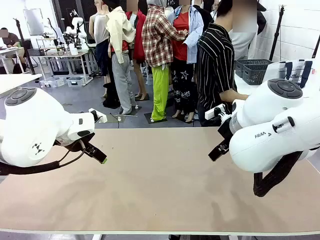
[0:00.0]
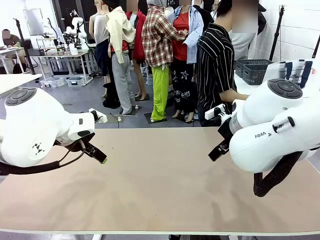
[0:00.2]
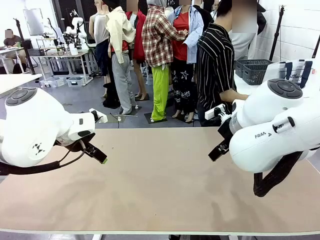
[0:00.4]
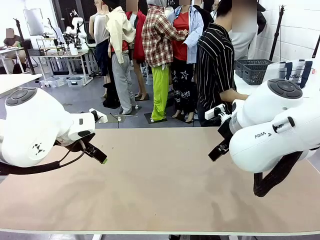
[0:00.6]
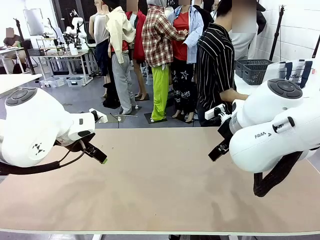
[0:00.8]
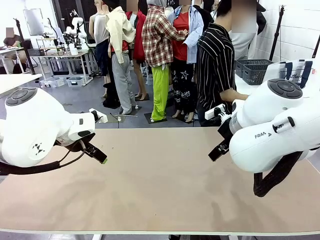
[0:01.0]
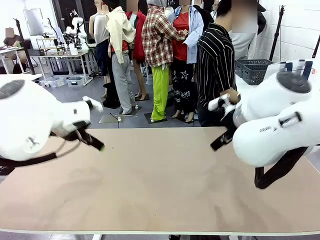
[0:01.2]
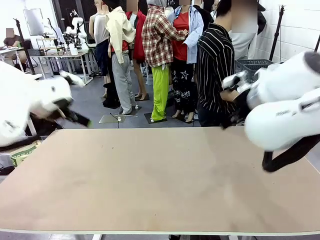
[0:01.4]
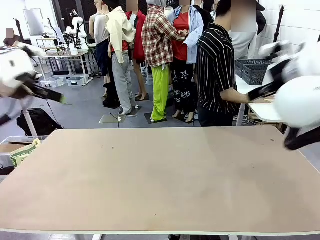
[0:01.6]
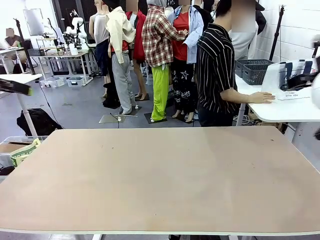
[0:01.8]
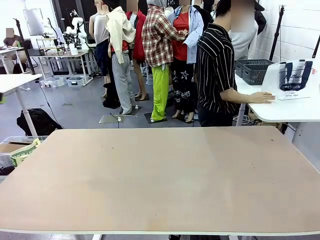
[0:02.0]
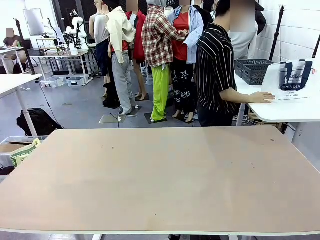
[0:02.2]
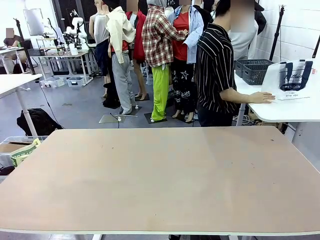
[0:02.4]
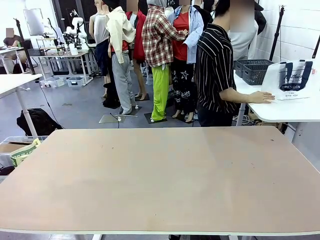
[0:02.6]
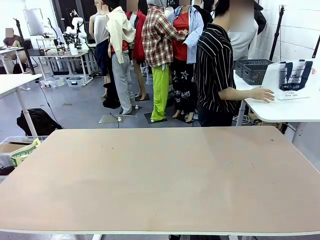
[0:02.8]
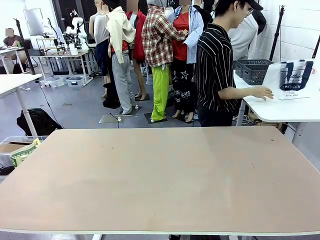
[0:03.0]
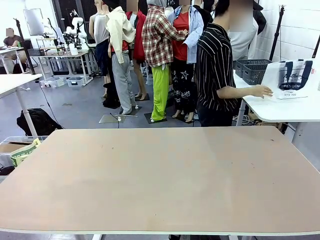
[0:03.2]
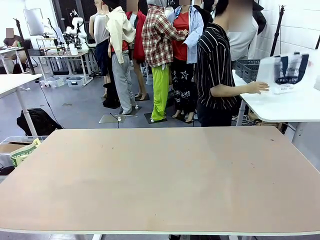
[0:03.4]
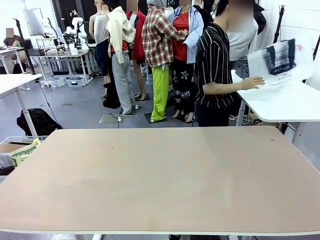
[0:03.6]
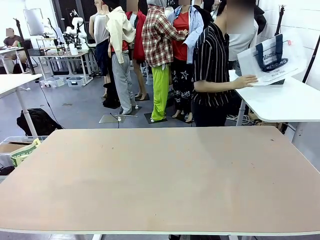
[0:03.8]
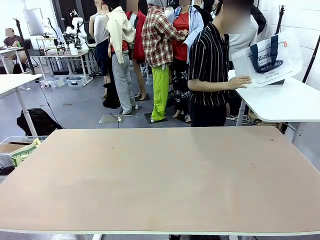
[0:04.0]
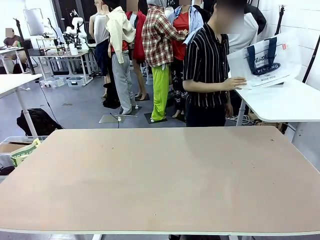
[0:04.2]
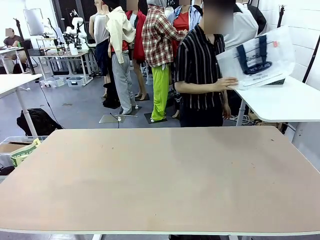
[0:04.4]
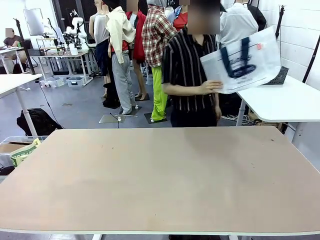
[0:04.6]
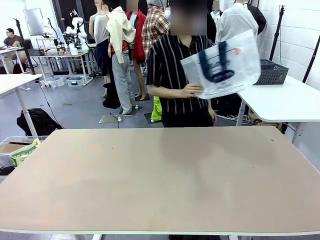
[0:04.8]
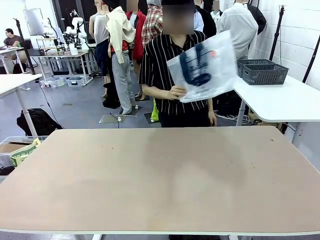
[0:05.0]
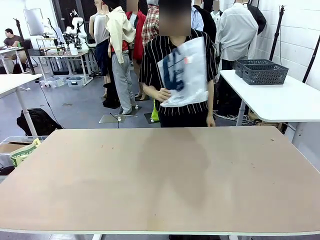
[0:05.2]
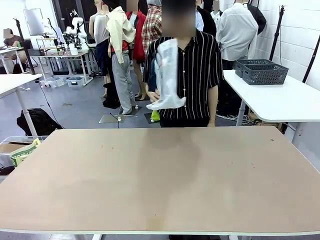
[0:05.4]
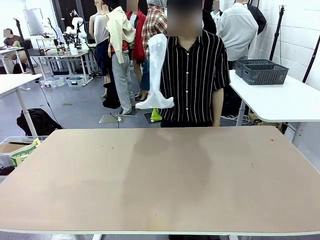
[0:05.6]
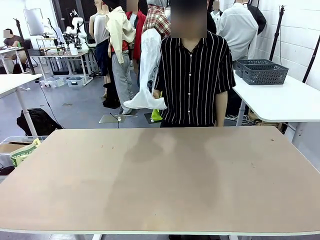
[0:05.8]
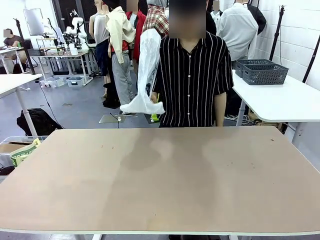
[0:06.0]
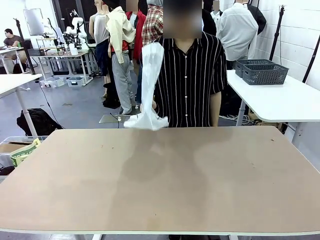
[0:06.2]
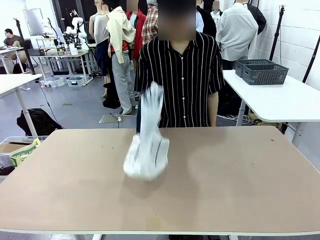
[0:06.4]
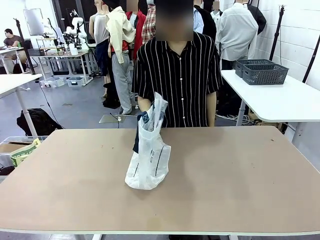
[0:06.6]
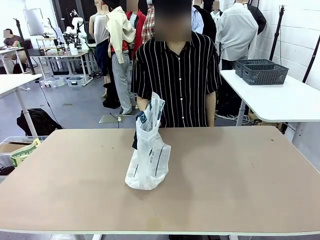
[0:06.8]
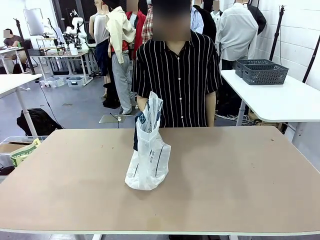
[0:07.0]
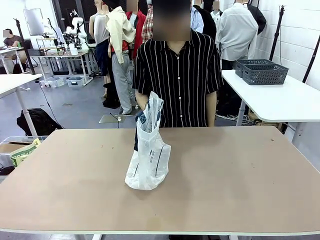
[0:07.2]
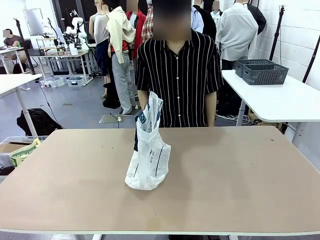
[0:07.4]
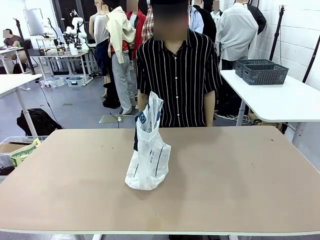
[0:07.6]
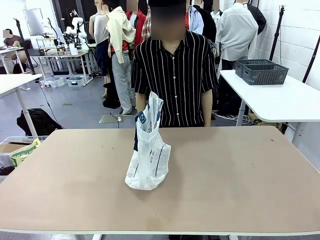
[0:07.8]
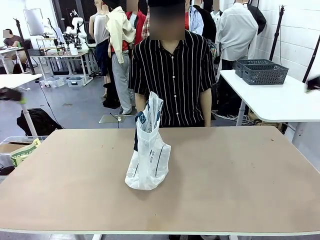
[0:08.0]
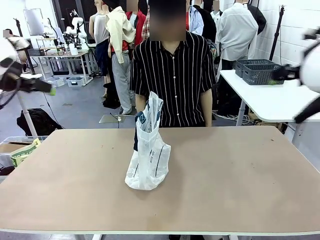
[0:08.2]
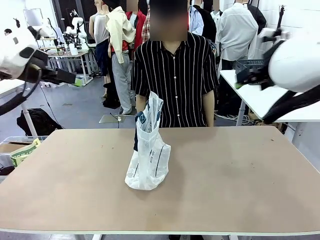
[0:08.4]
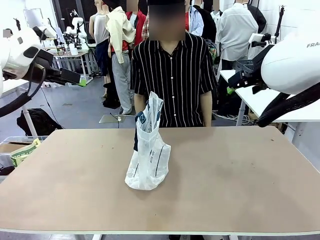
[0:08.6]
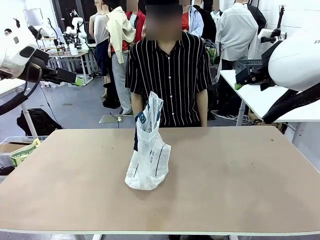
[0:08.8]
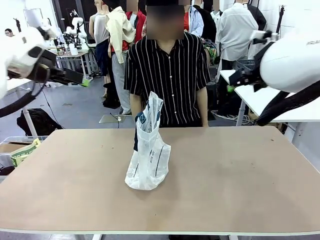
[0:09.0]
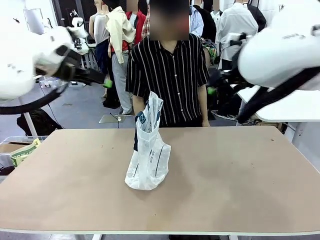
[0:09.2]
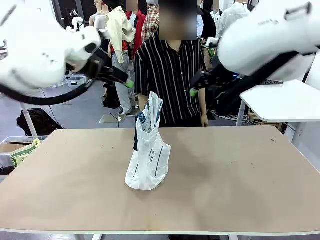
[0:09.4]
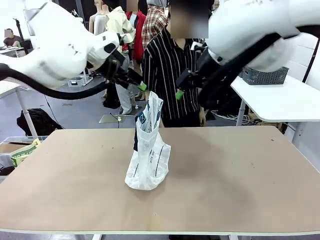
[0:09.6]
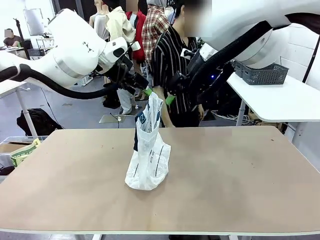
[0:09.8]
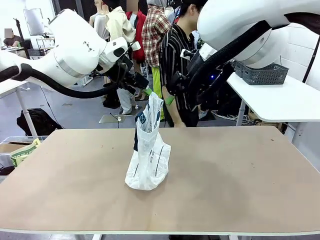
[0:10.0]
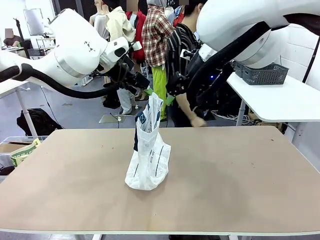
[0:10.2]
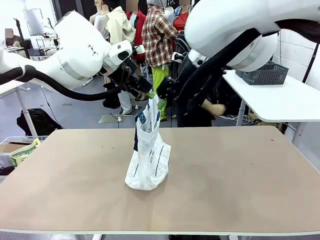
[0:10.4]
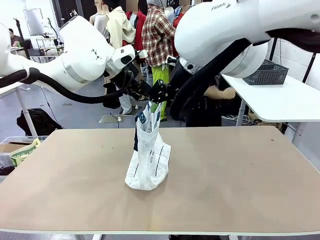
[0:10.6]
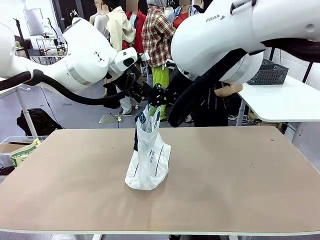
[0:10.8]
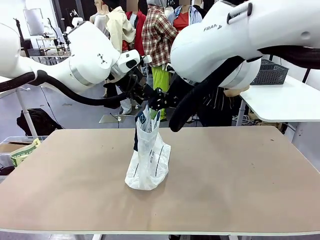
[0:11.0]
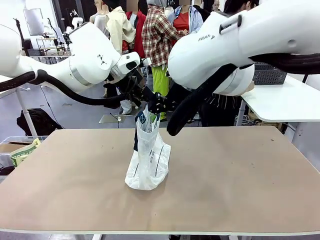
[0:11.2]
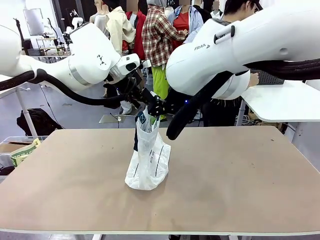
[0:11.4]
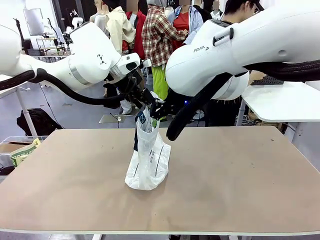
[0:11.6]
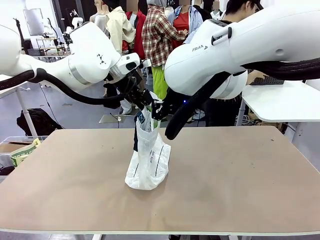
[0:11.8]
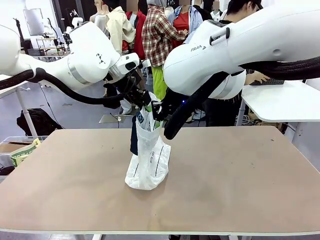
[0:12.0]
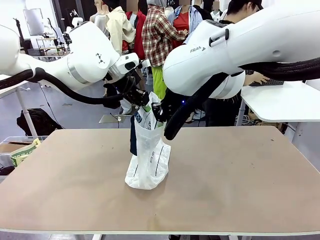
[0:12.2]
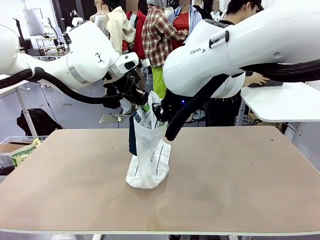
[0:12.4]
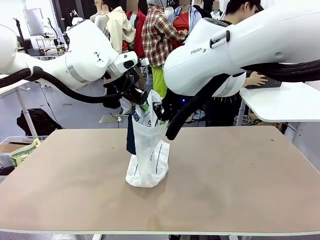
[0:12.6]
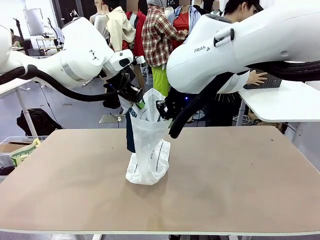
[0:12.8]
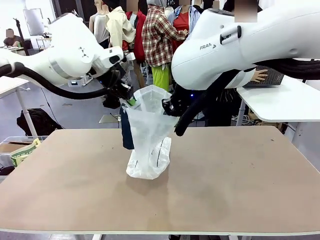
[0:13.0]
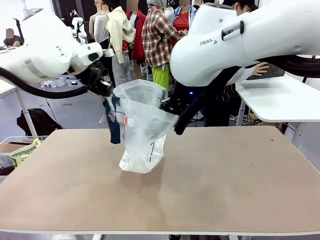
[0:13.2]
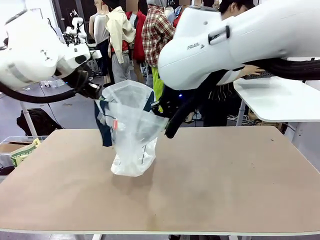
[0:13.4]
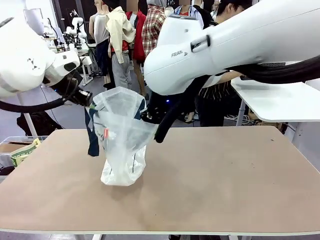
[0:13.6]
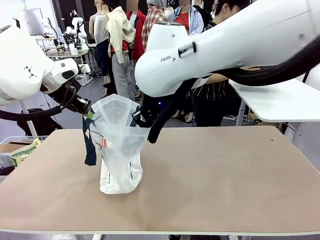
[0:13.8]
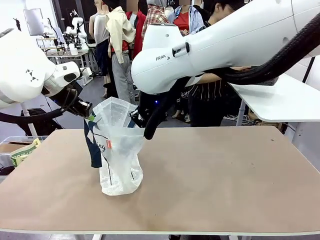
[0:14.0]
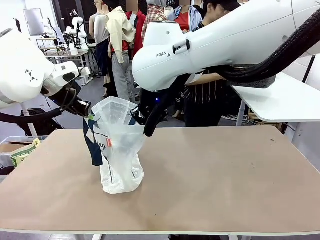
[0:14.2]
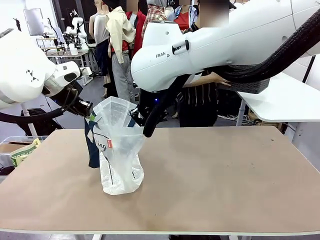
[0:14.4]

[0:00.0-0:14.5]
Task: Transfer purchased items from the store into the shopping bag.
Robot: Open the Reusable shopping bag in the center of the table.
Person: Pick up the shopping bag and place it in the middle of the robot table. Pick up the basket on the right, place it on the left side of the robot table, and move the items in the basket to the shopping bag.

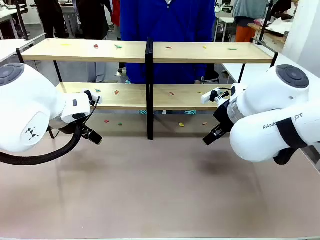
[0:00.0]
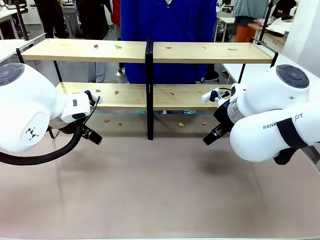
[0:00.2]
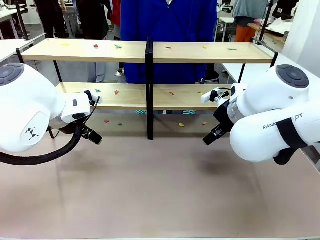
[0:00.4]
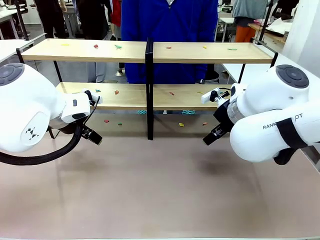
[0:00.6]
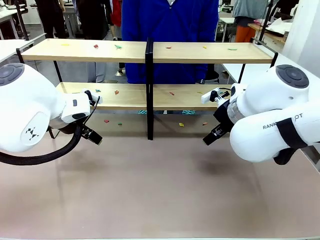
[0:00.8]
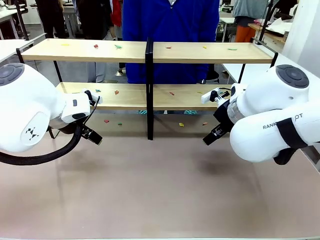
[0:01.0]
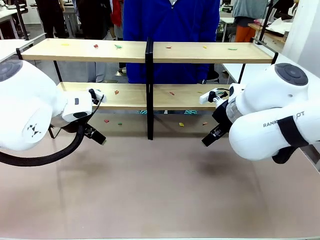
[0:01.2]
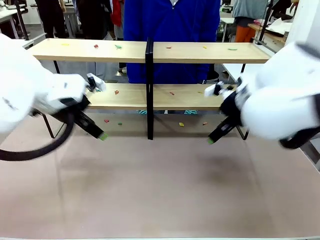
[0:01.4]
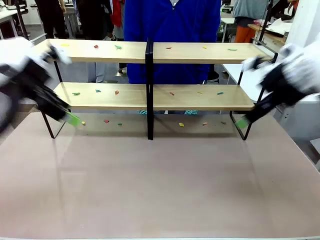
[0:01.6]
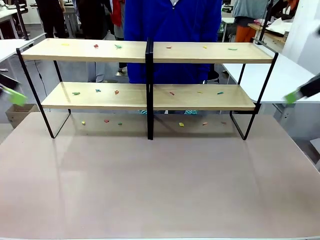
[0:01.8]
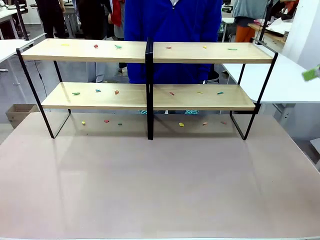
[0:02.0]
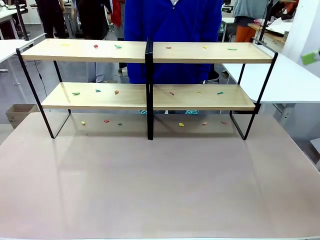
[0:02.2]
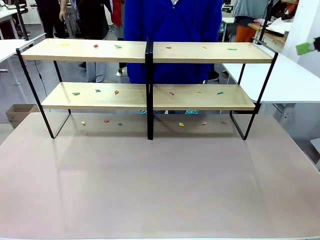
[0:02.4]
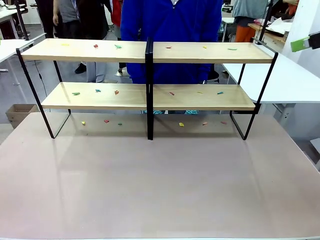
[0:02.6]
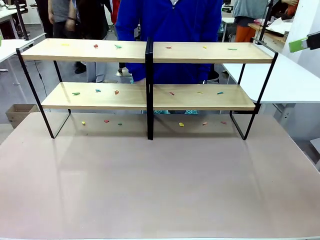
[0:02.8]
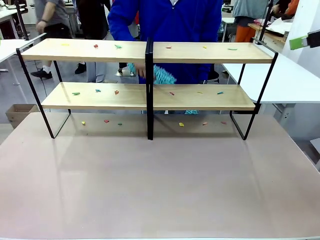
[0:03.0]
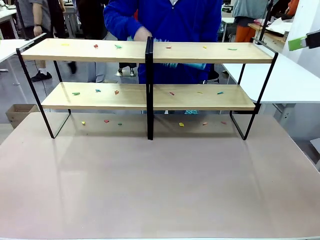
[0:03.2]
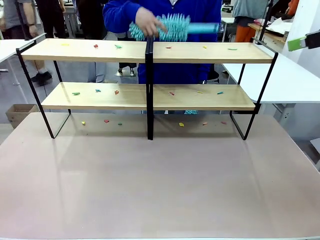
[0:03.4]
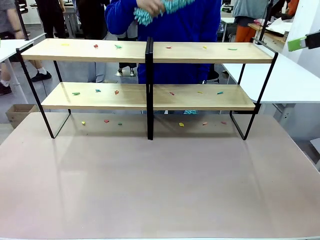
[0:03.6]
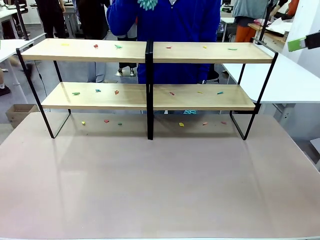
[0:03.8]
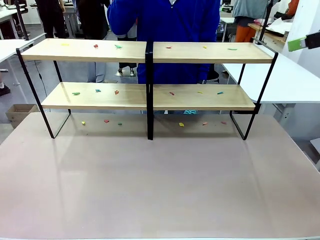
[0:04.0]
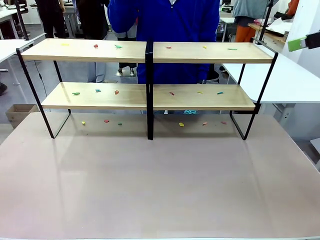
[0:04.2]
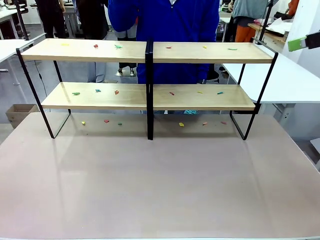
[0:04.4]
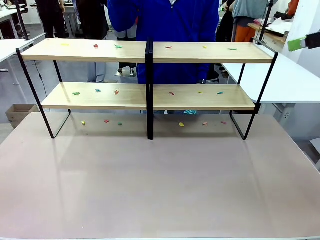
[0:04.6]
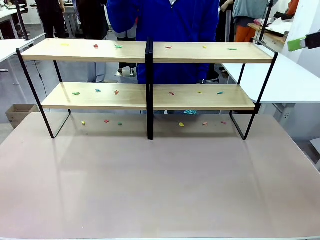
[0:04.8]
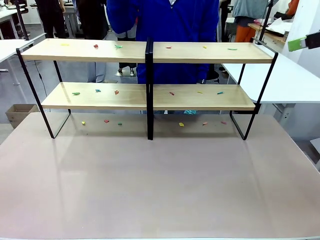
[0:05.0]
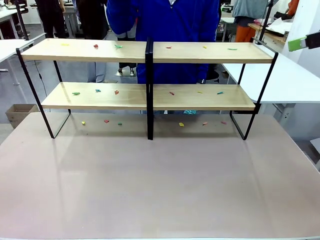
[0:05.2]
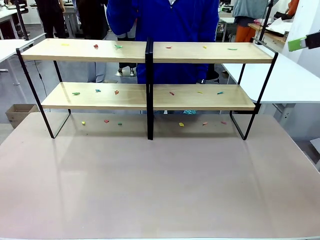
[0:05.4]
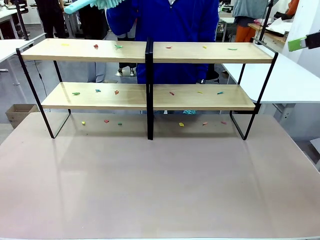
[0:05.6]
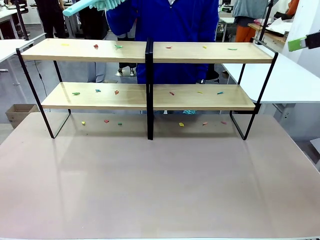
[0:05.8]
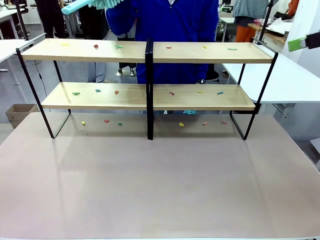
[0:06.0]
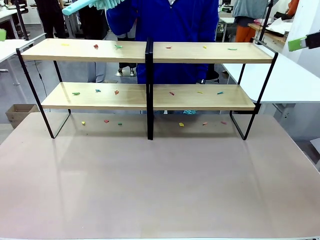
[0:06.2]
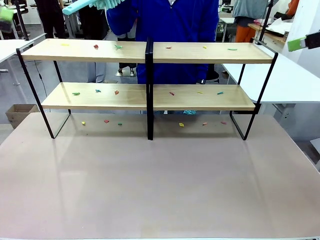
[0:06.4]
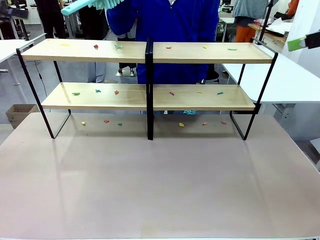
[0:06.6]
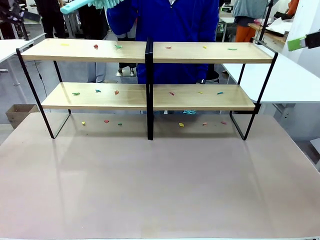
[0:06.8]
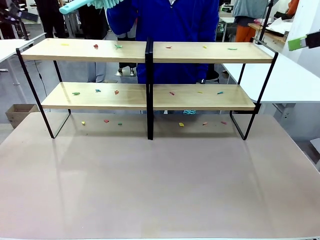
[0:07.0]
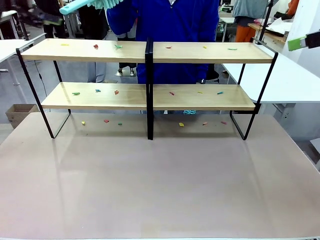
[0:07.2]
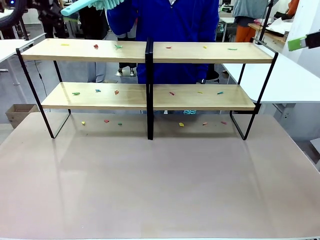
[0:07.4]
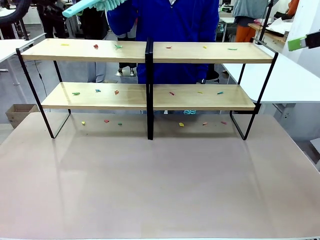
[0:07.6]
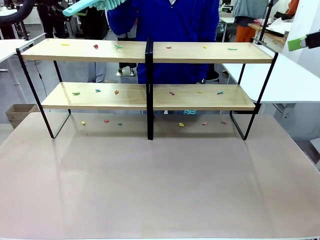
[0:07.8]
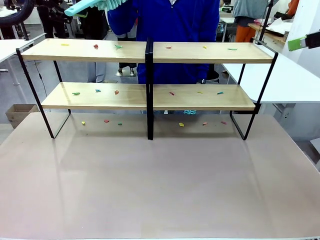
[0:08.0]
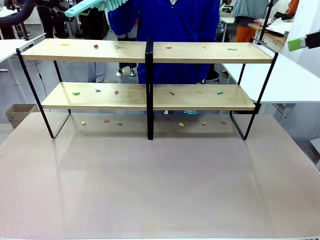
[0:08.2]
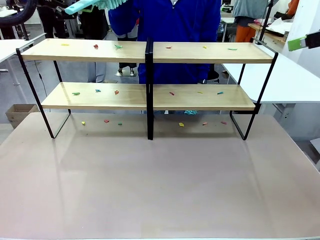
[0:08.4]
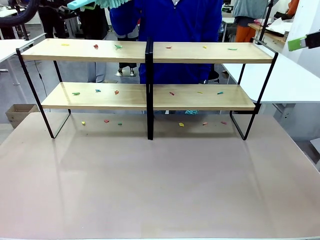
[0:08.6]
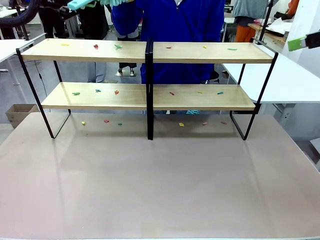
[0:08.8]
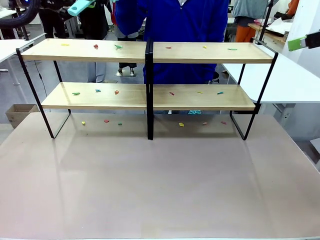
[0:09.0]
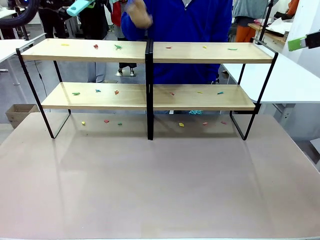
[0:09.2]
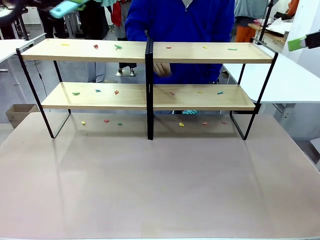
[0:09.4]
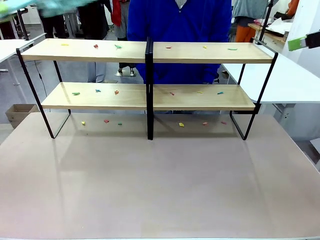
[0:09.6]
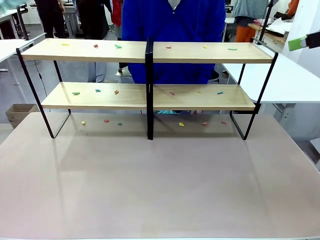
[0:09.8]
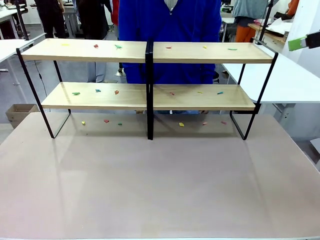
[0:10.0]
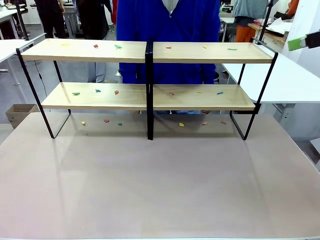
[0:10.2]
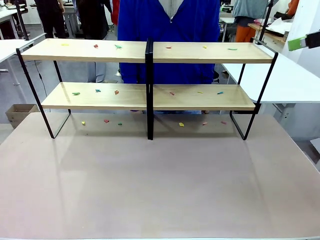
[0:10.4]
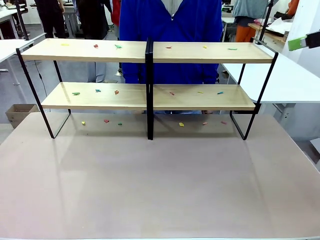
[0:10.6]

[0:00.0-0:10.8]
Task: Clean the shelves.
Robot: Pick up the Duster when the human hands it over.
Person: Hand the Duster to the robot with your right (or left) hand.
